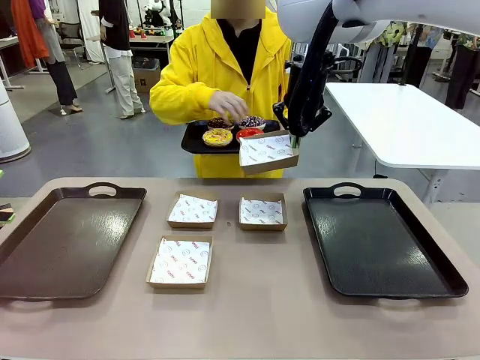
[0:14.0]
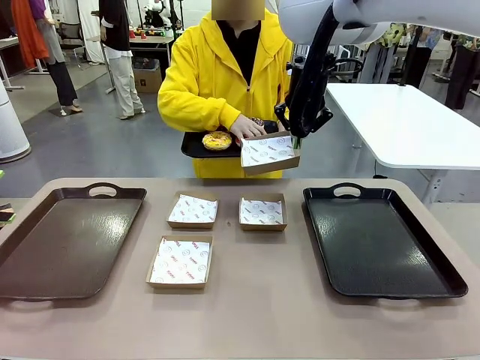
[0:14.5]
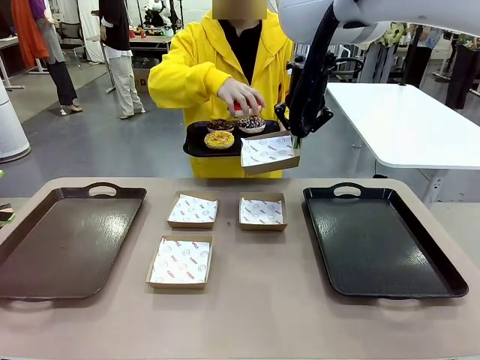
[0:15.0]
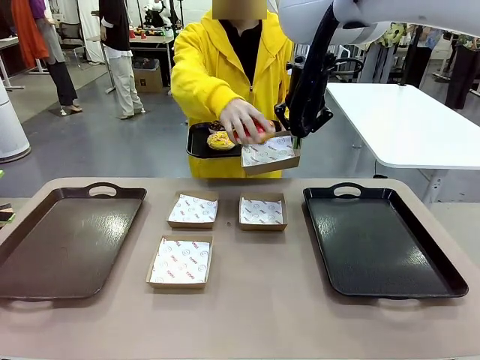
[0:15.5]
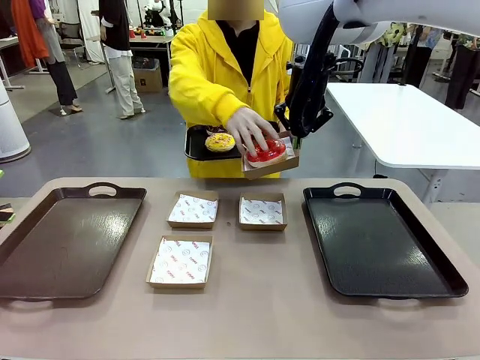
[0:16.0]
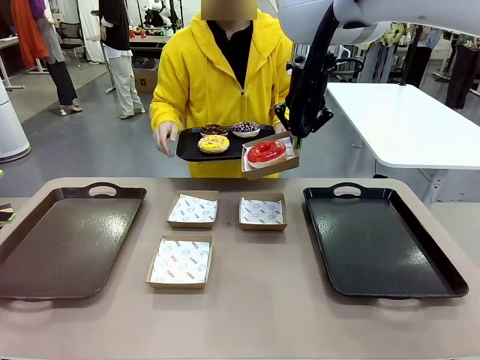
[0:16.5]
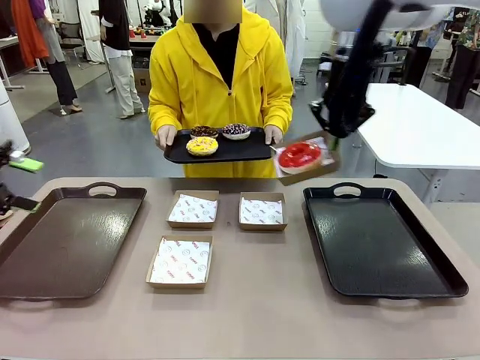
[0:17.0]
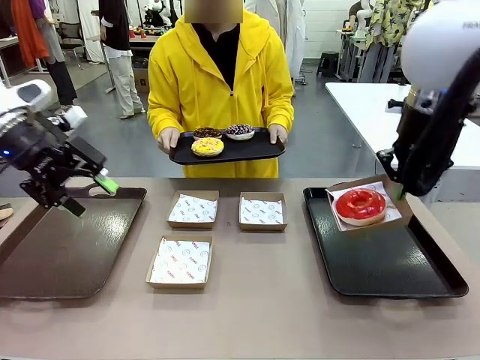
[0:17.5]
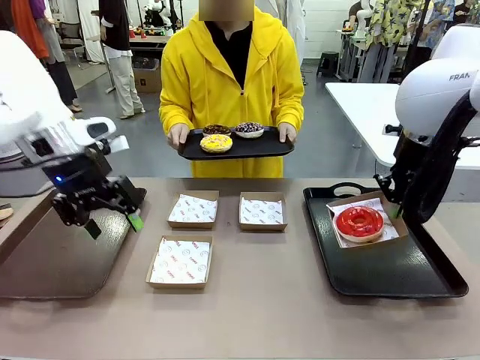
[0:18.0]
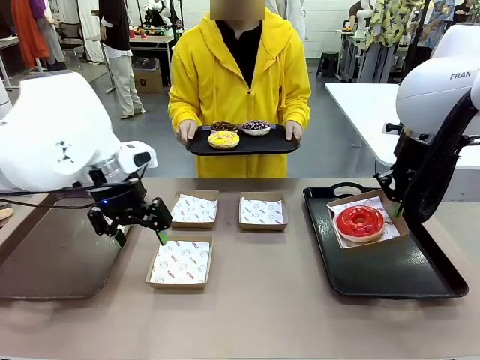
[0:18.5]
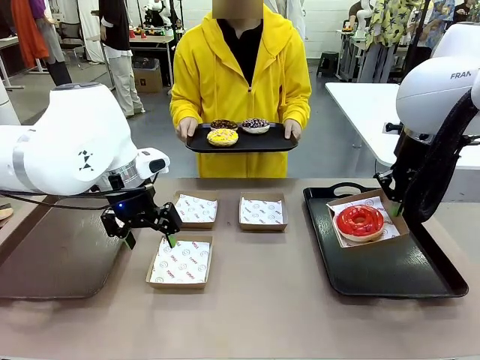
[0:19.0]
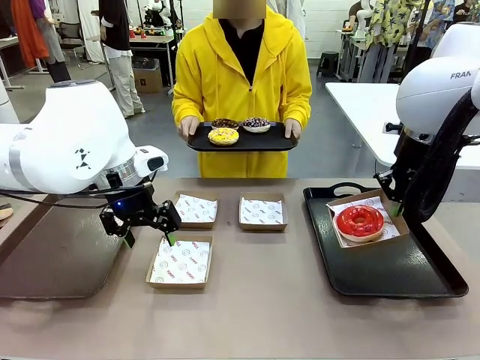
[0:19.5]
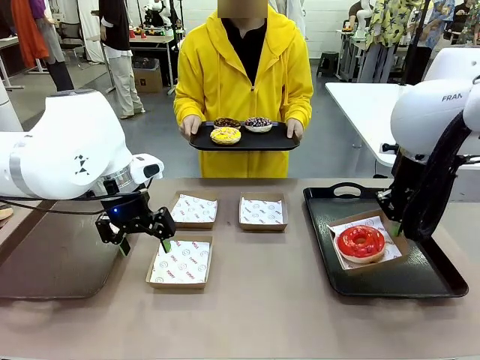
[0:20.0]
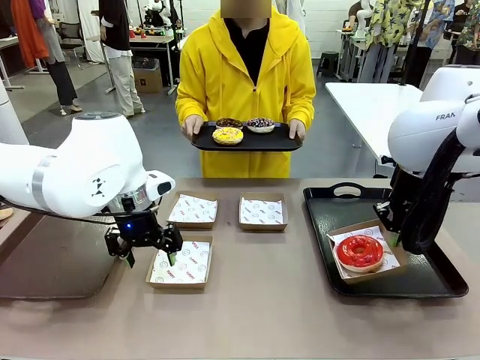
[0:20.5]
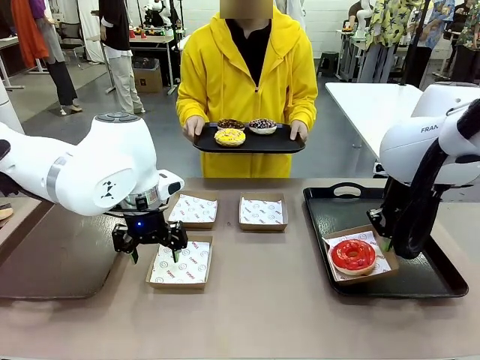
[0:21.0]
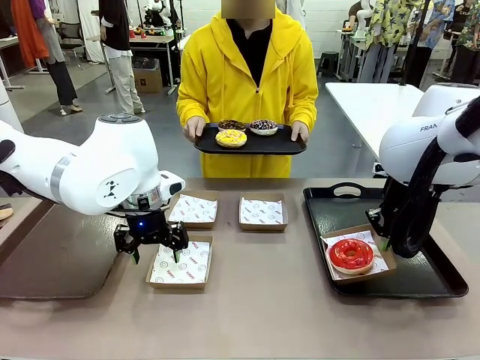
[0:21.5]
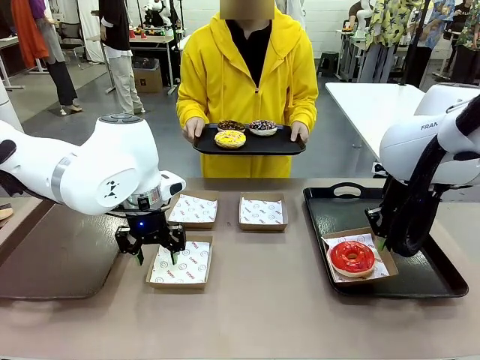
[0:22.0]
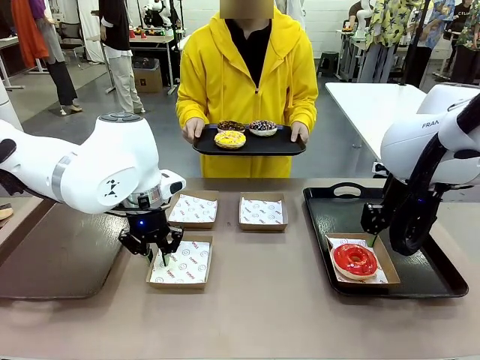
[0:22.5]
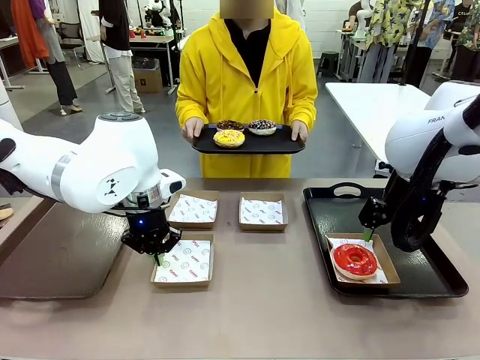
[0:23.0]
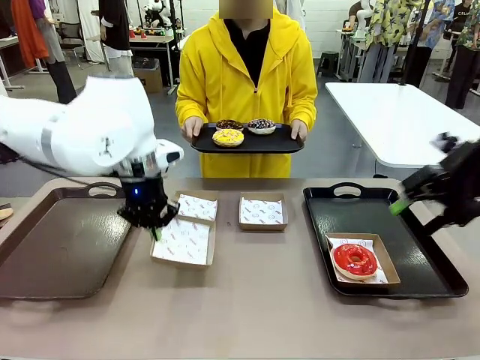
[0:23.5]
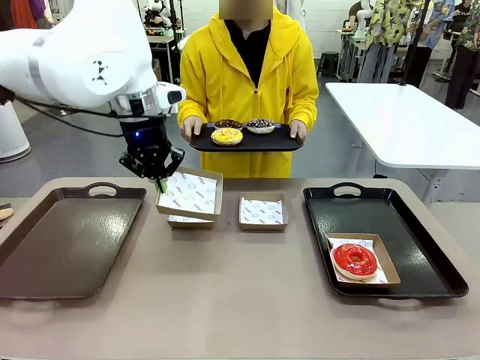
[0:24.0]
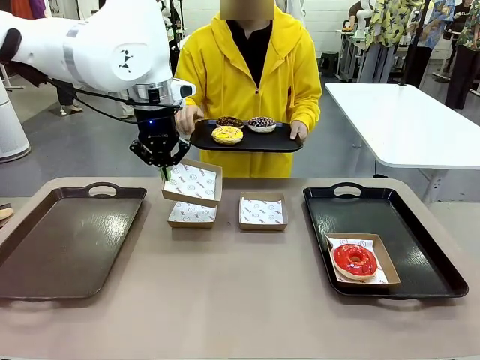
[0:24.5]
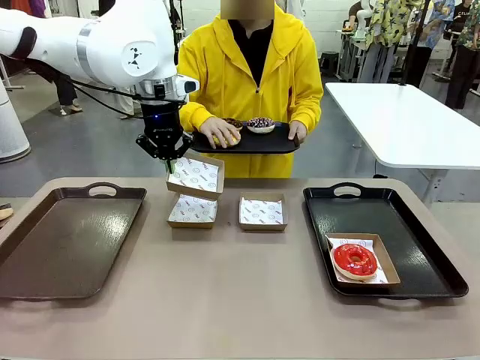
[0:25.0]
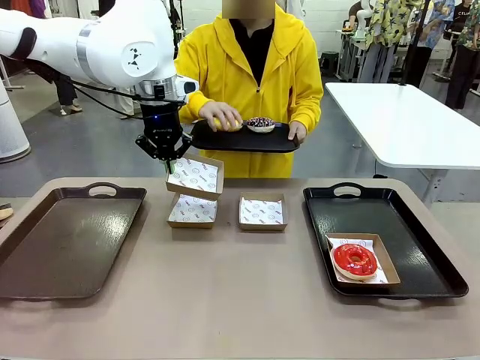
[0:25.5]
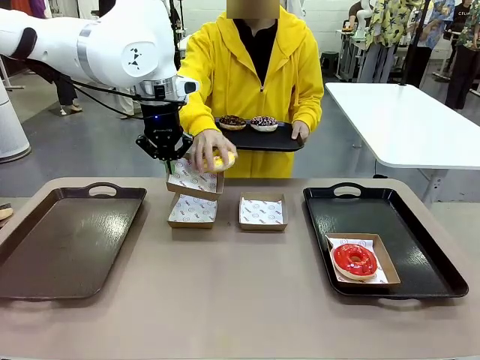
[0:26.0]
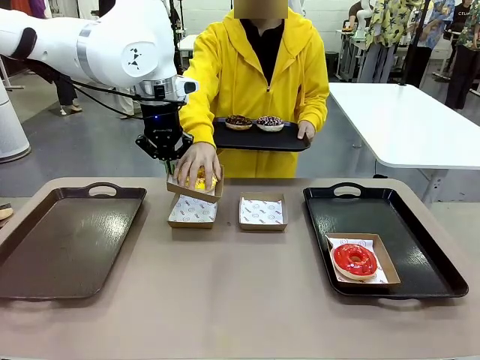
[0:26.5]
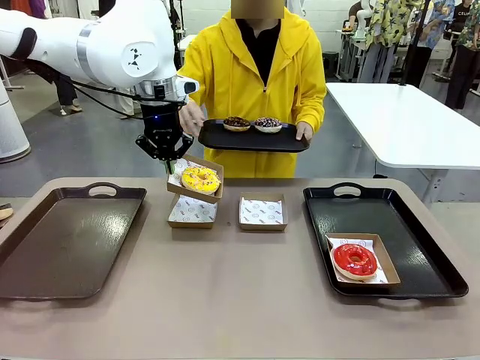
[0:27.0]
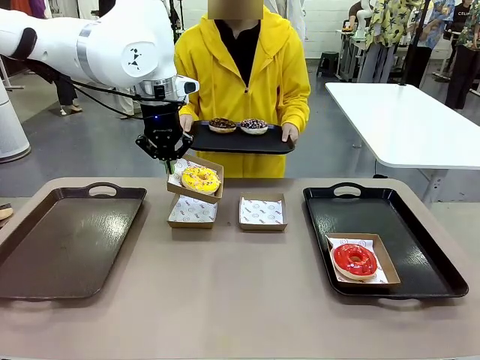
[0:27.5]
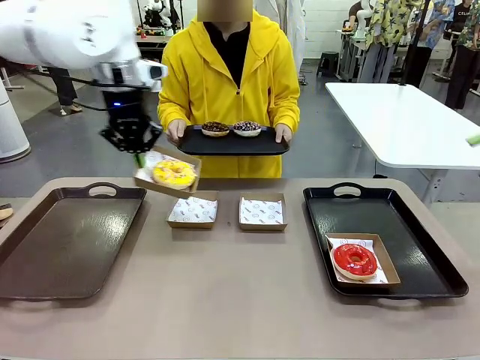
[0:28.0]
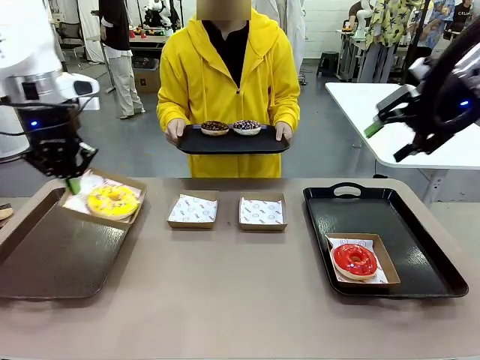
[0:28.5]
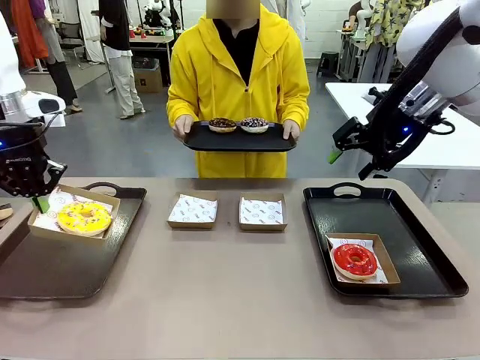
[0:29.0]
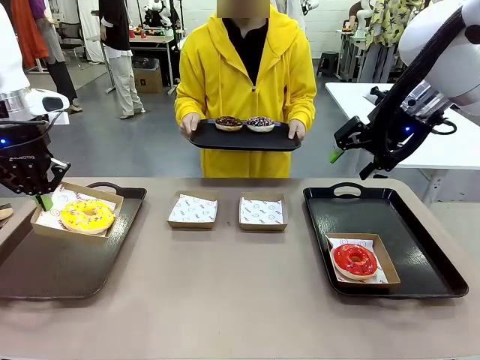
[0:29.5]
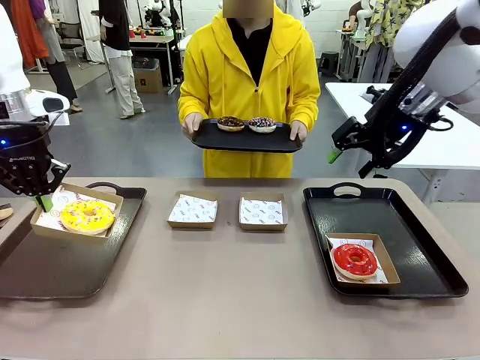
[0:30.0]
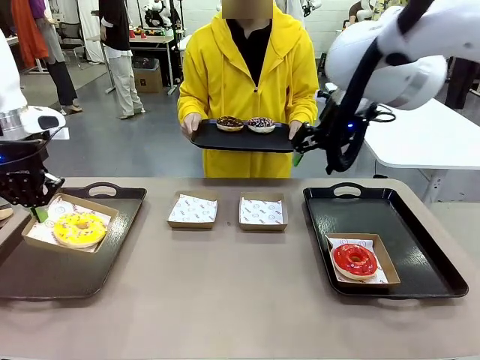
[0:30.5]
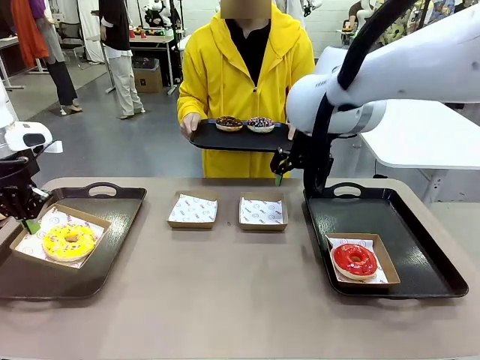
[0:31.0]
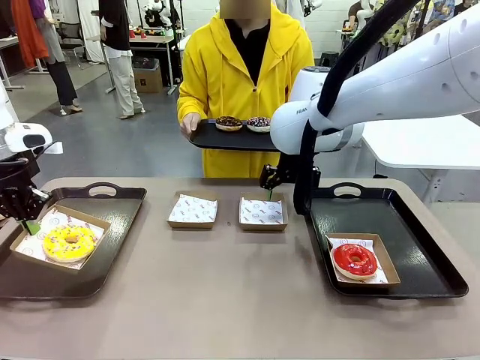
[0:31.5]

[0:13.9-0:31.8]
Task: Individually package the donuts and arrange them on the tray.
Robot: Place the picked Paper togo box on the Handle tray while simultaneously picking up another Paper togo box from the table with the other hand.
